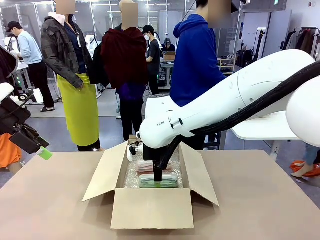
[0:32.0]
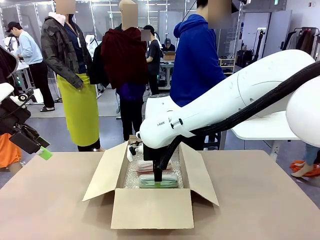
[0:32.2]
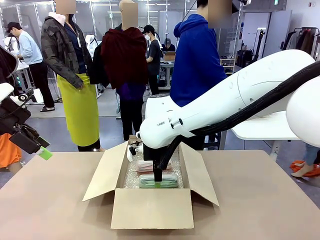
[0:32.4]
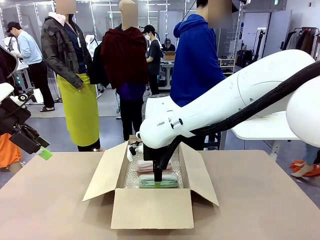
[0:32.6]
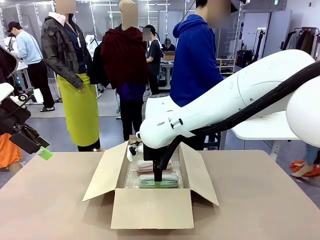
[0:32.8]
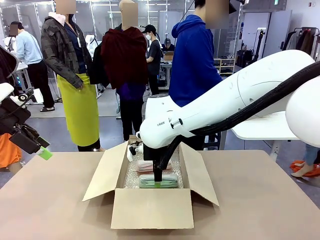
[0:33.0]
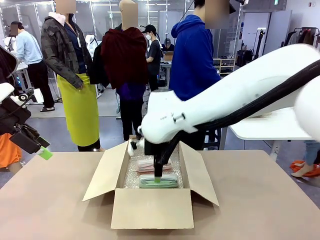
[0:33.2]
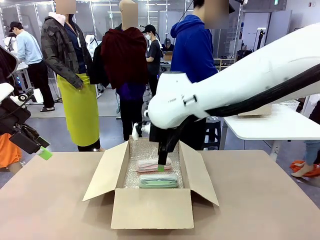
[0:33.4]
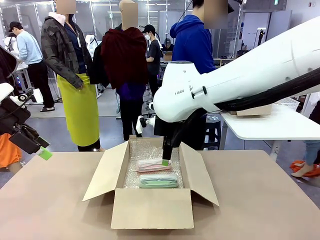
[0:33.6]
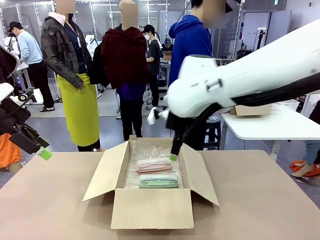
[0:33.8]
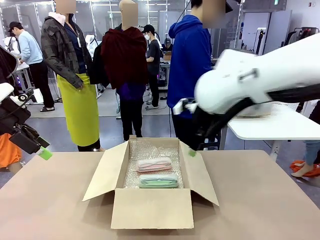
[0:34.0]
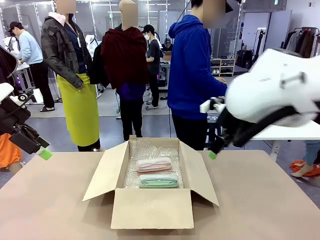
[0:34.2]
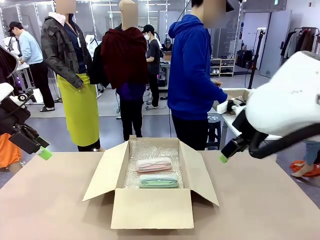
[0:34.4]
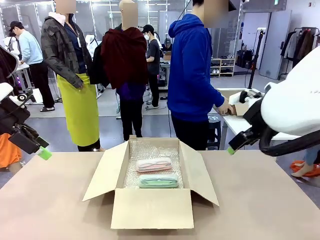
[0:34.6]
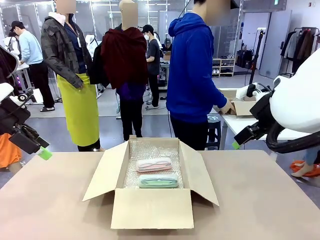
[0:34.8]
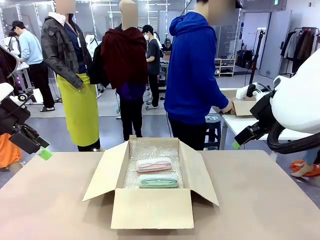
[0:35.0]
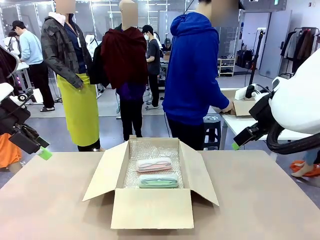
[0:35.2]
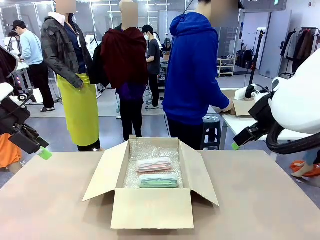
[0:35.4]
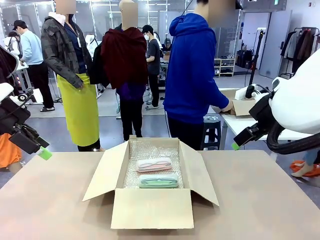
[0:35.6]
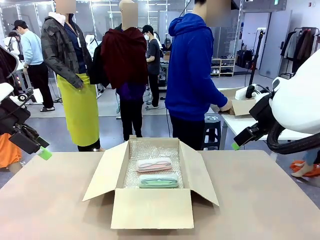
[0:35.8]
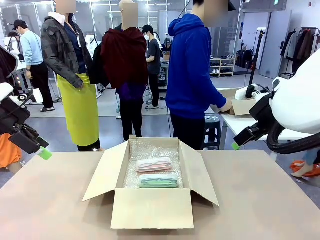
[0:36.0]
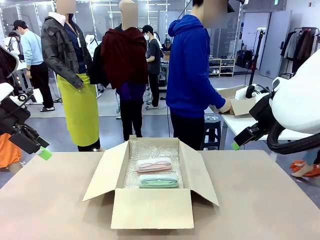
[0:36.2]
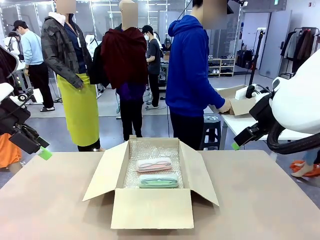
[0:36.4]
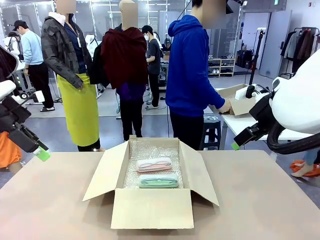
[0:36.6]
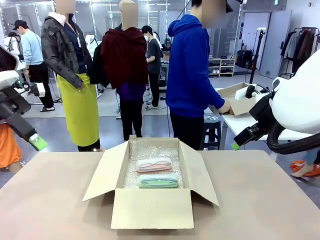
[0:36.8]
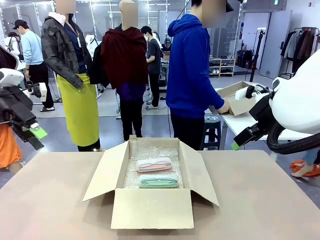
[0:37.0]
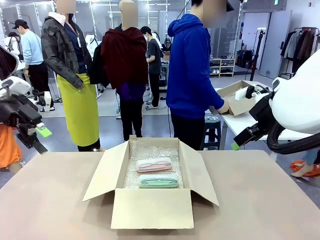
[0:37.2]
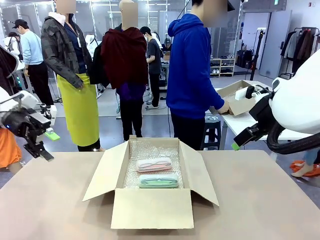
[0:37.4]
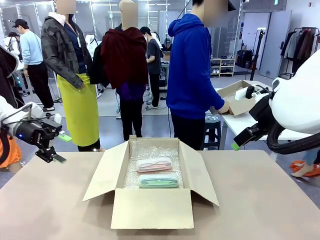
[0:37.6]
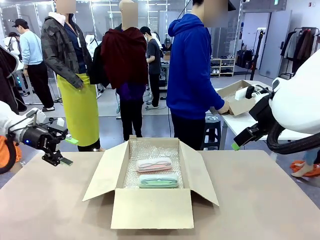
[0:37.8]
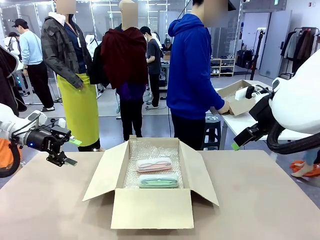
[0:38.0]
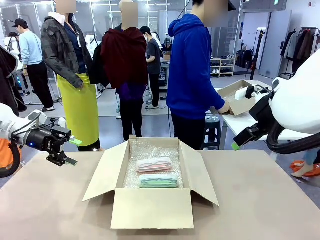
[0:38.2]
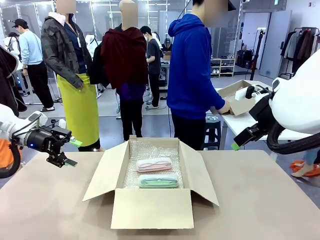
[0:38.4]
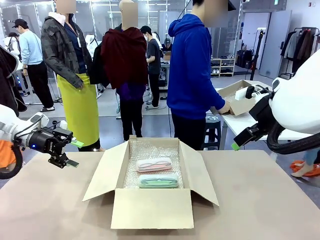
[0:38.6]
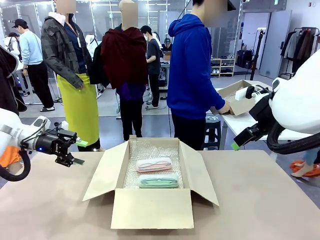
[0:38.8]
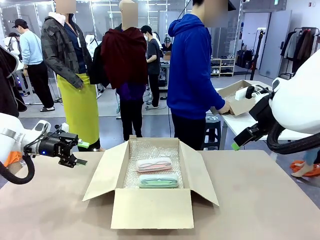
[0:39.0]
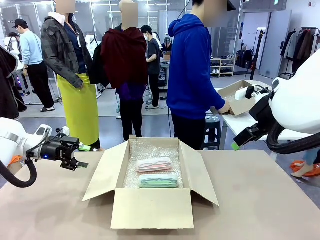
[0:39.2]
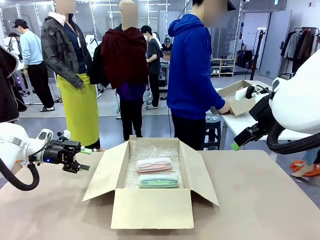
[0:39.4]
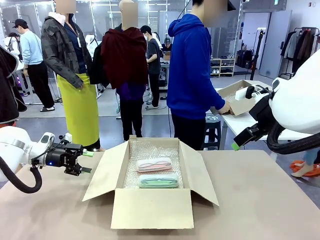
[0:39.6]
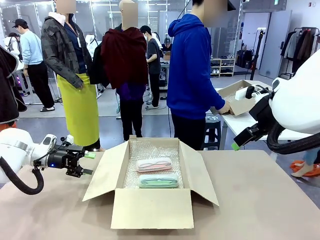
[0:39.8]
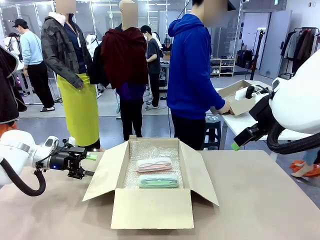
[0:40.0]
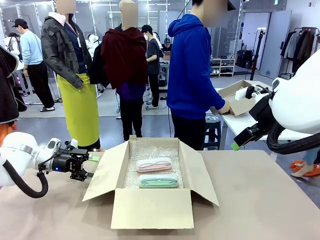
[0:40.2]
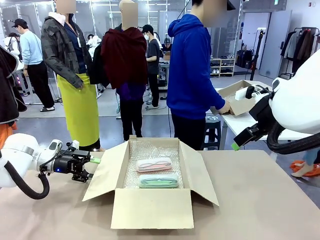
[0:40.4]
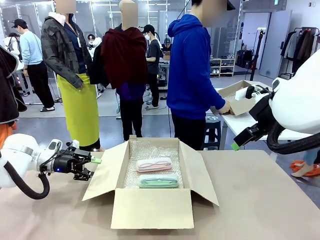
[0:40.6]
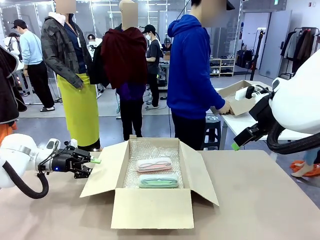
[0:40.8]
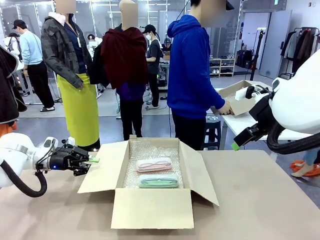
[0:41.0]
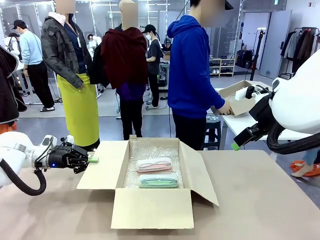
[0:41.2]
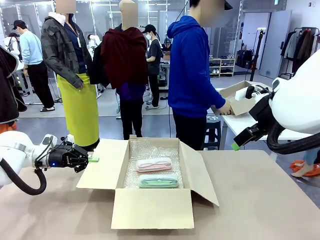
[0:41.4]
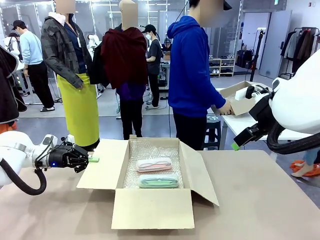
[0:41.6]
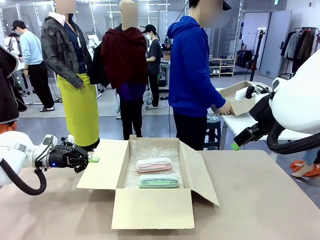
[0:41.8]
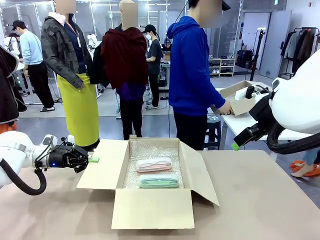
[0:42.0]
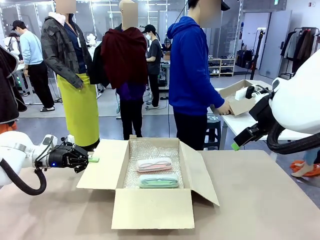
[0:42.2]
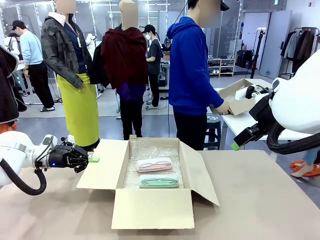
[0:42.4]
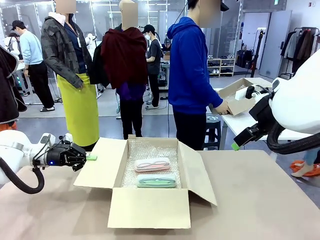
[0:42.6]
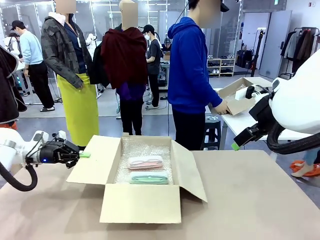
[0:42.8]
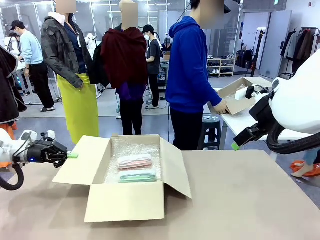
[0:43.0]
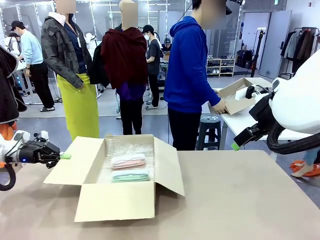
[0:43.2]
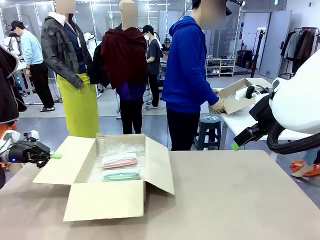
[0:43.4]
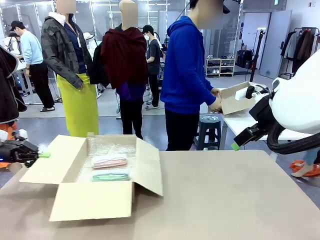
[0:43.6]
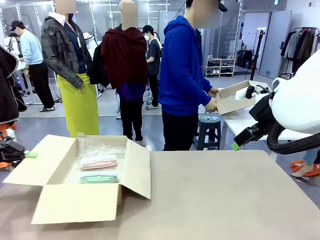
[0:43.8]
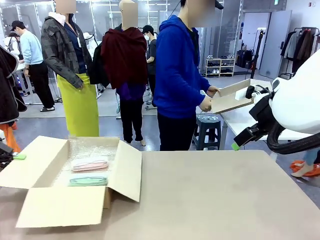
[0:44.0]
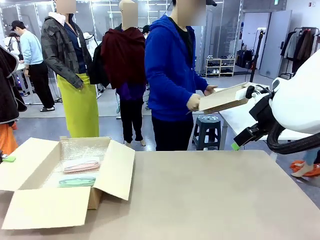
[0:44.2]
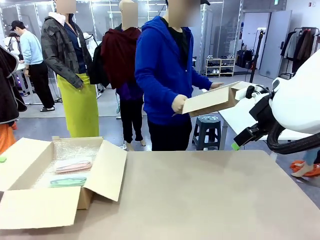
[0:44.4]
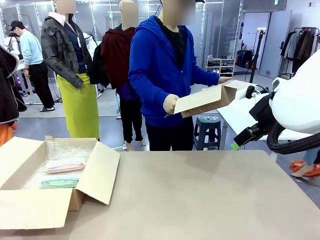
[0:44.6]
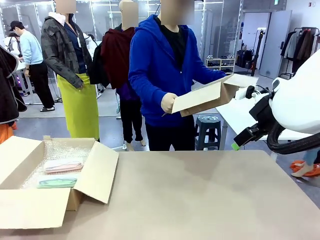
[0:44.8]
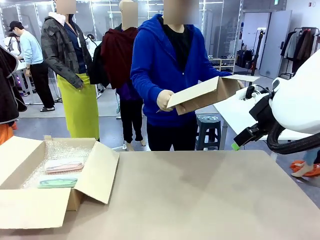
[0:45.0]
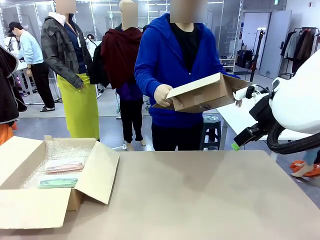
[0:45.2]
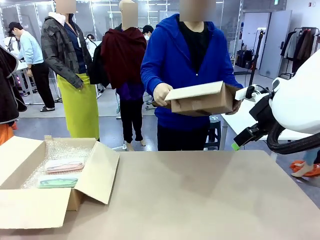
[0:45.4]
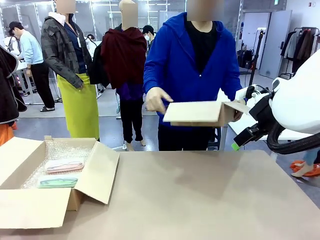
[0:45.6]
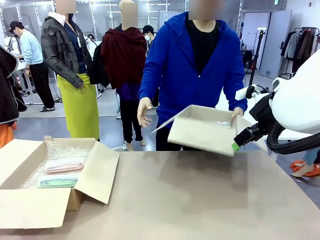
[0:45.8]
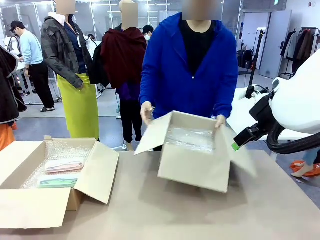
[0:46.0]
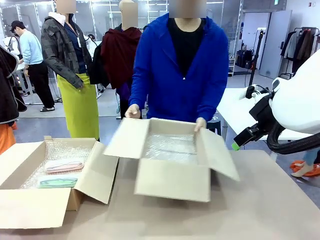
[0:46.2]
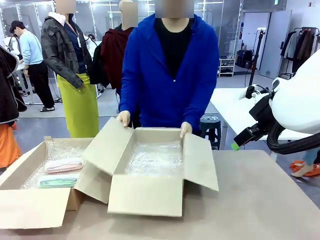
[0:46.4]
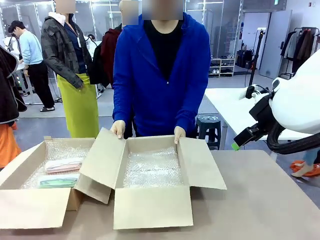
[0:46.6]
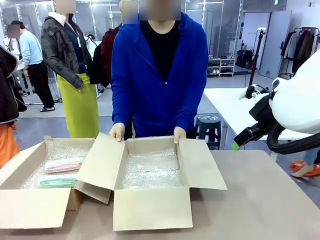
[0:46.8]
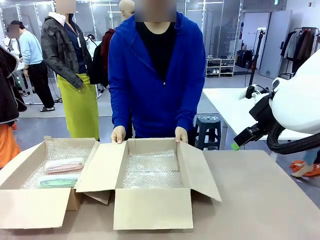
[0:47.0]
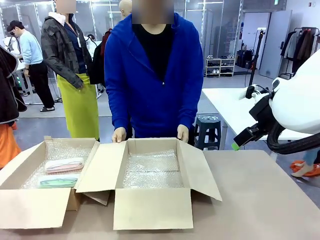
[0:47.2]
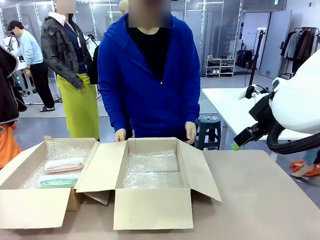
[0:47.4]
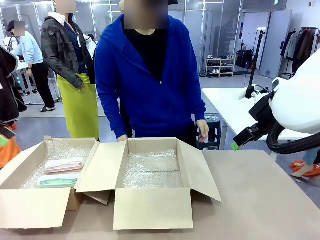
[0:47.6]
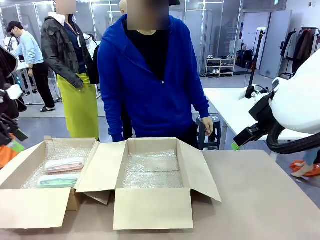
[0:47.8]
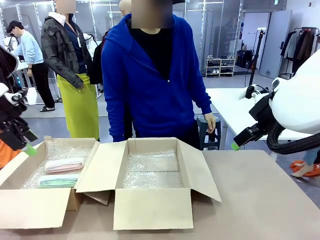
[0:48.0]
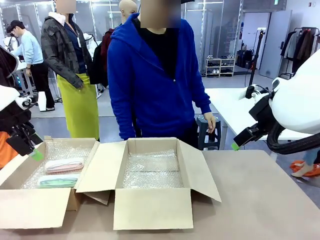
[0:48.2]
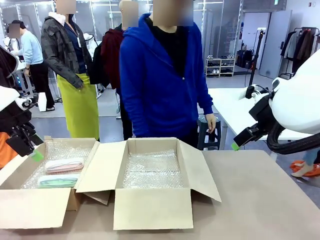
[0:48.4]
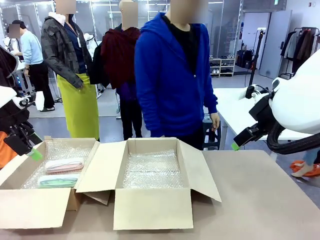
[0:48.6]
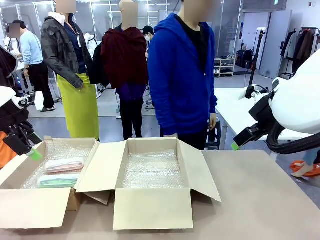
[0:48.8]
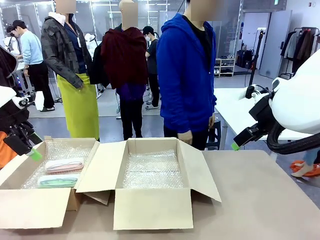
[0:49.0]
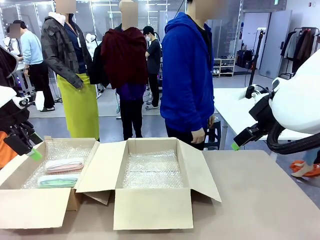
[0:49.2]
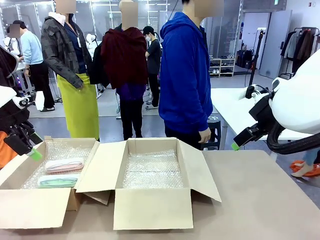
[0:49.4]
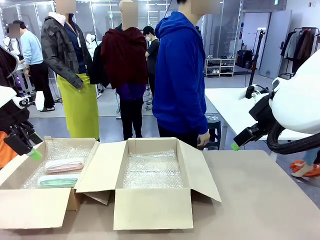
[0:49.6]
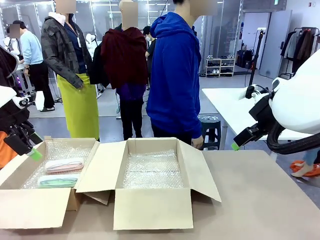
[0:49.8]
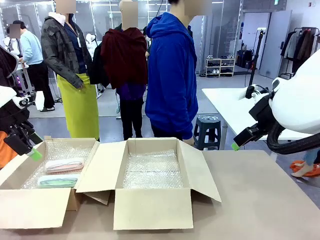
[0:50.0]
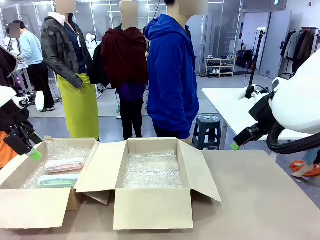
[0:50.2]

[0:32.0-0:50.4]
Task: Pack the glasses set securely to prepare it for shipping.
Robot: Position the Package Box on the left side of the table.
Person: Position the empty Package Box in the middle of the robot's table.
